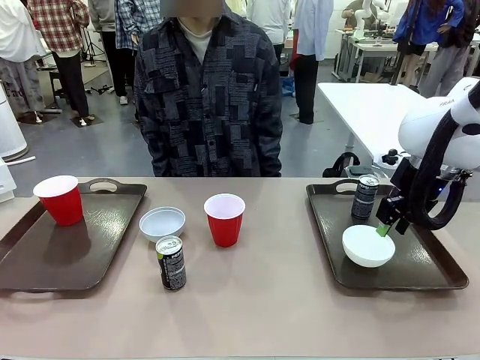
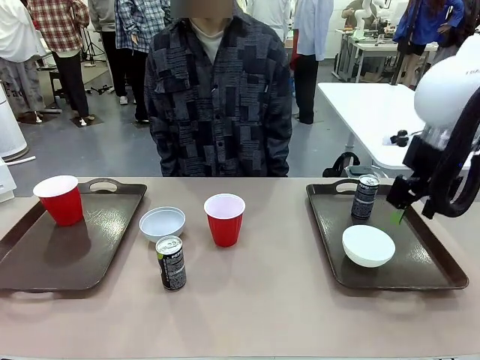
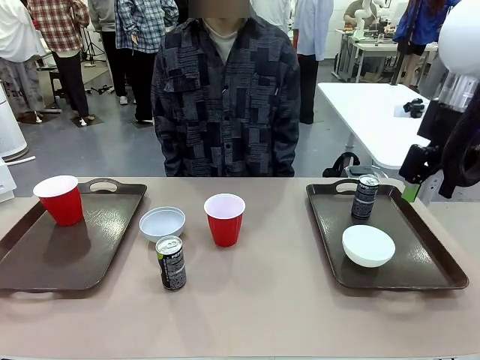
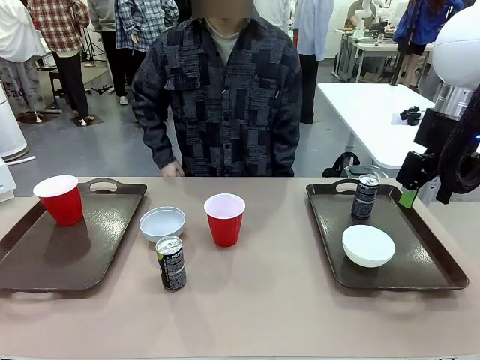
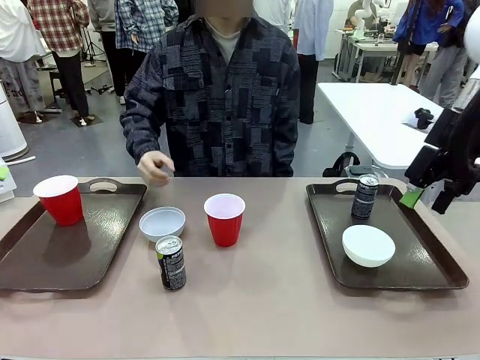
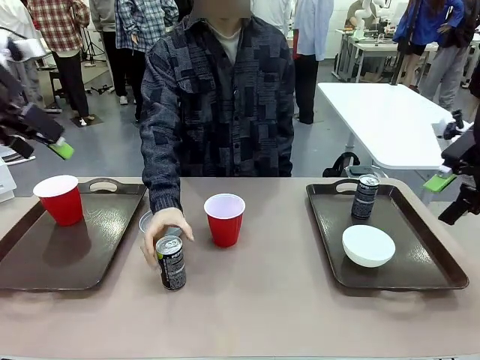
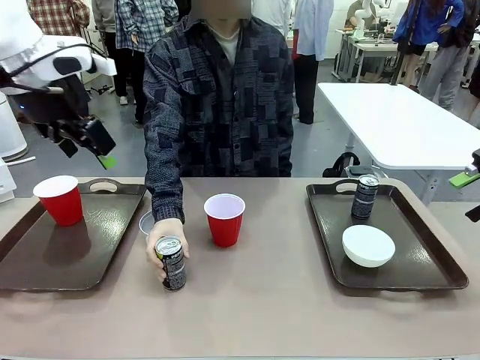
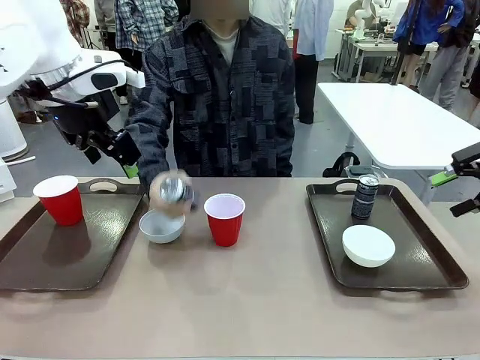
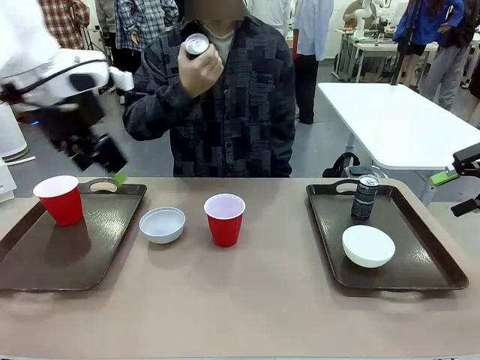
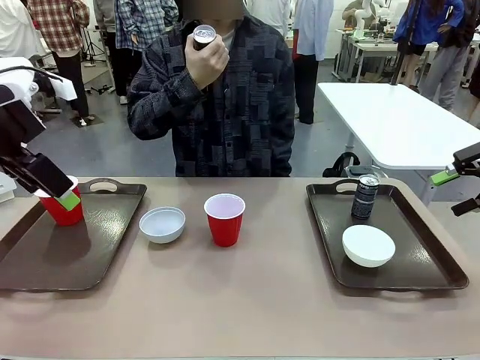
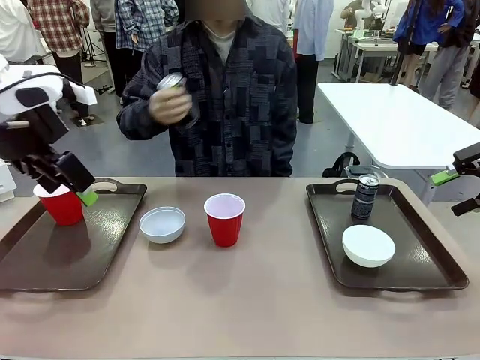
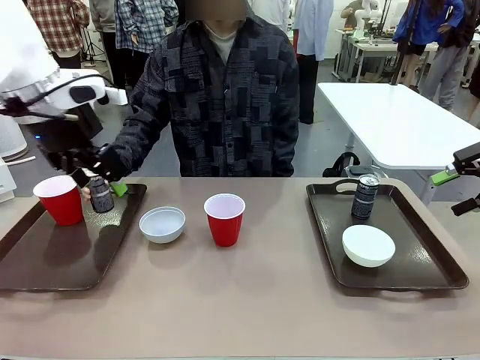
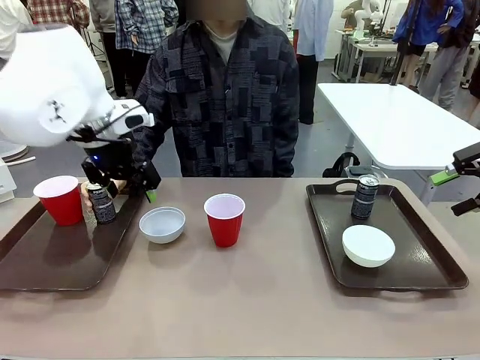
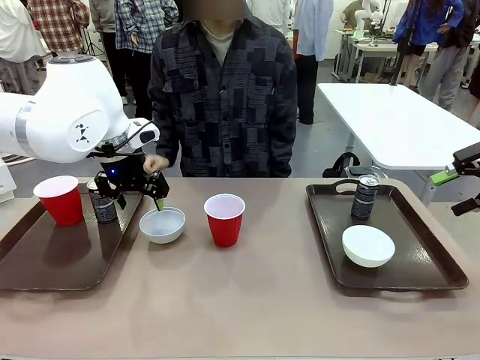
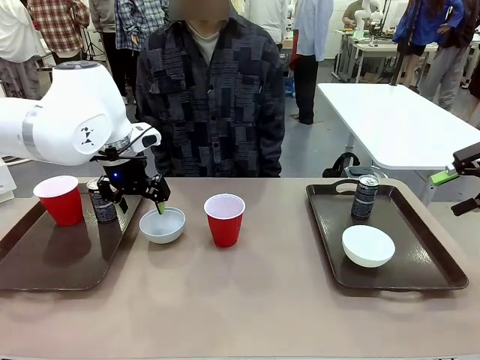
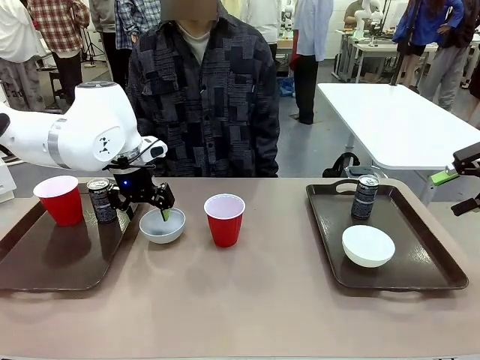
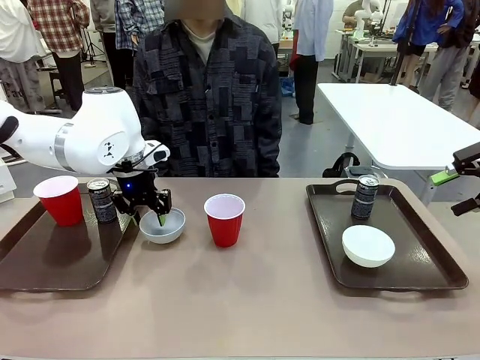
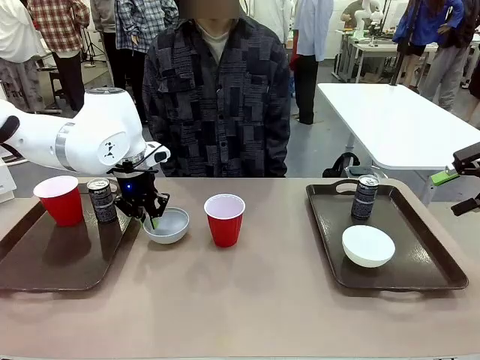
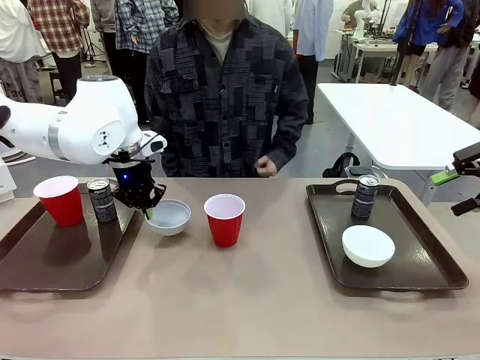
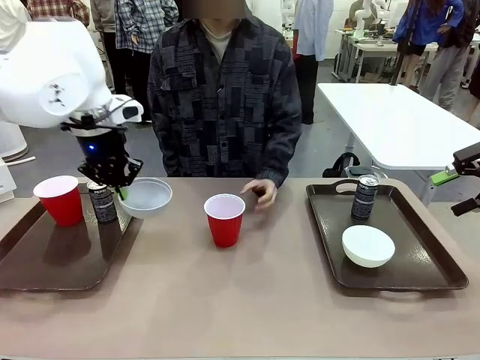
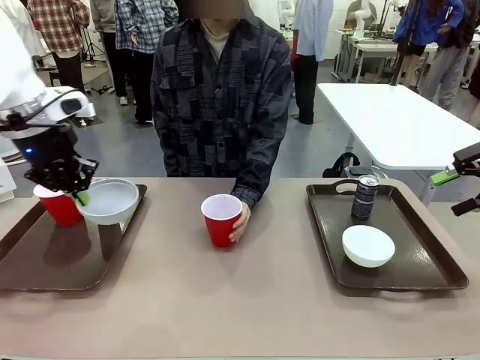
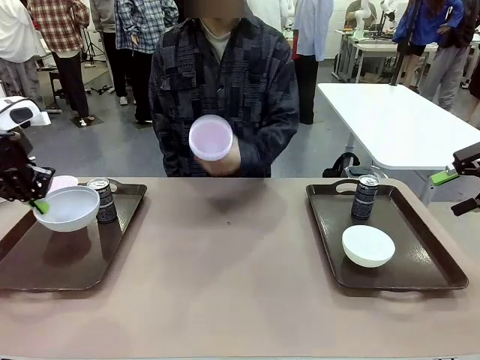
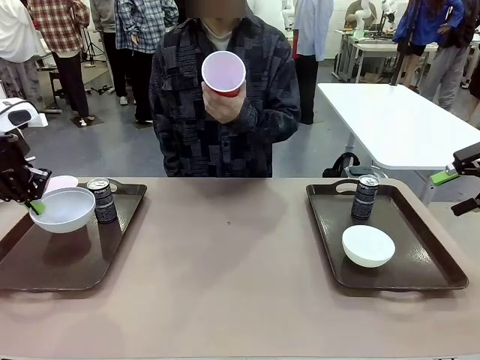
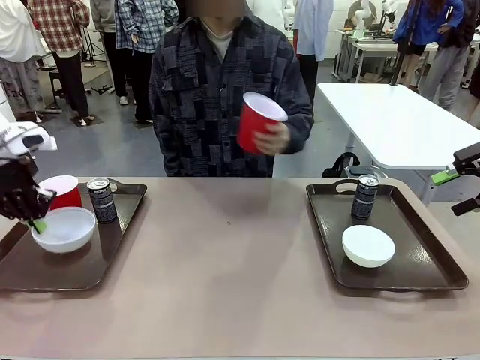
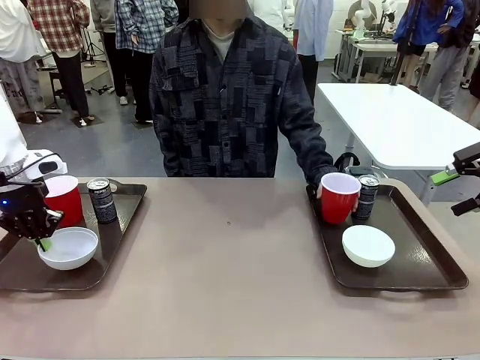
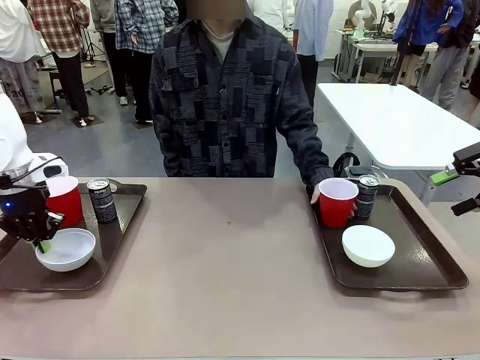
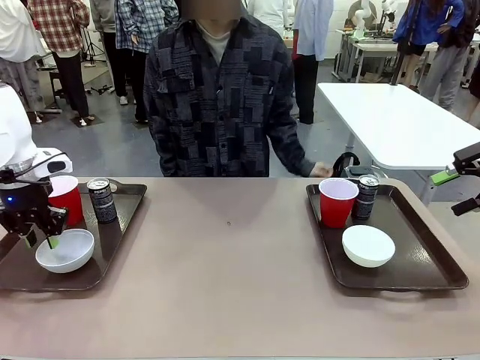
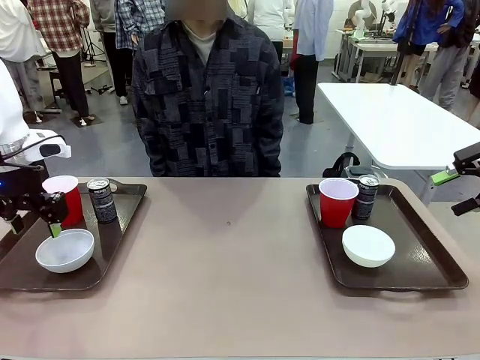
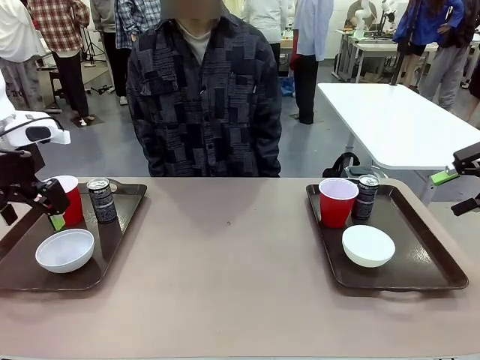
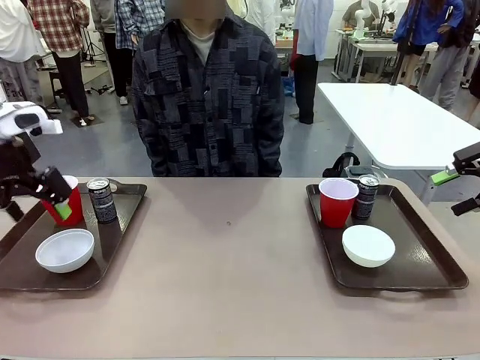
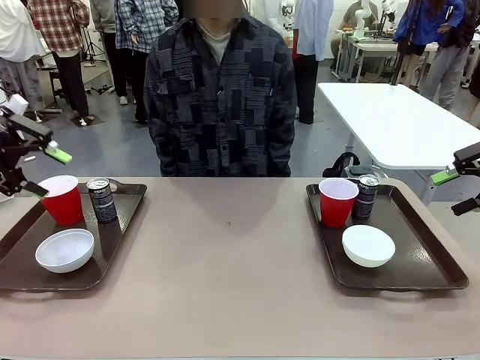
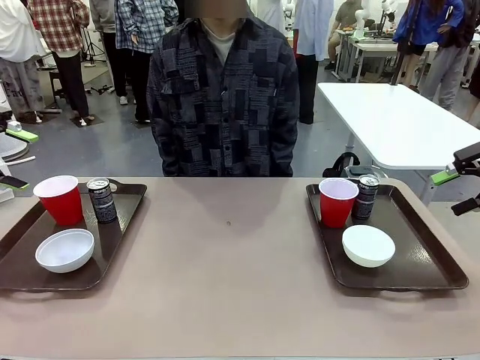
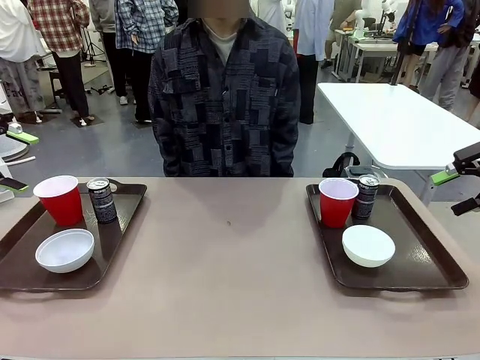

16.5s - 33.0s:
Task: Prepare tableware on both trays.
Robot: Pick up a Picnic Bowl from the table and place it on a Handle tray.
Person: Pick up a can or cup and place it on the tray without a can or cup.

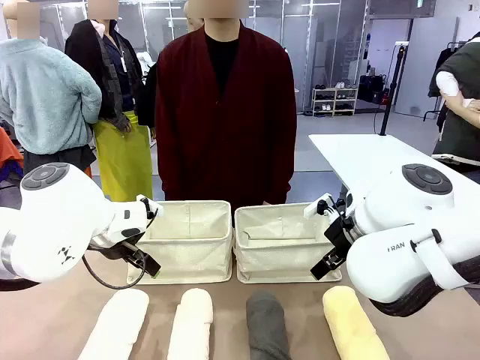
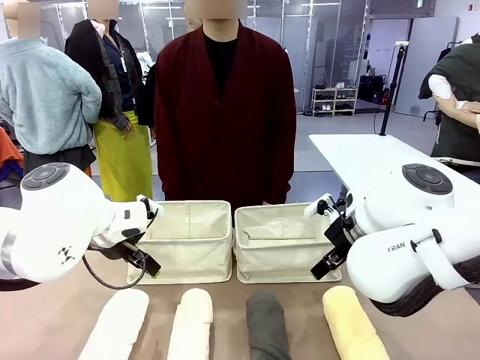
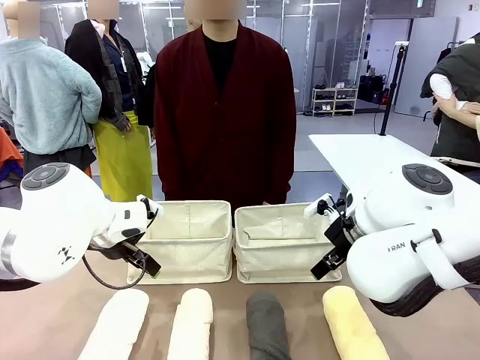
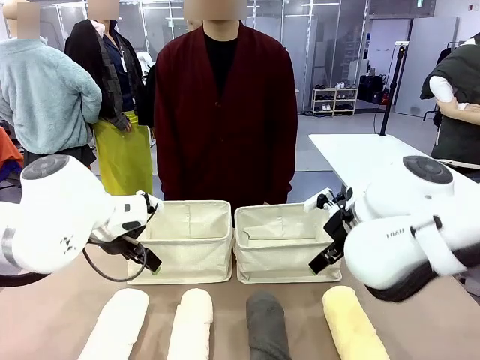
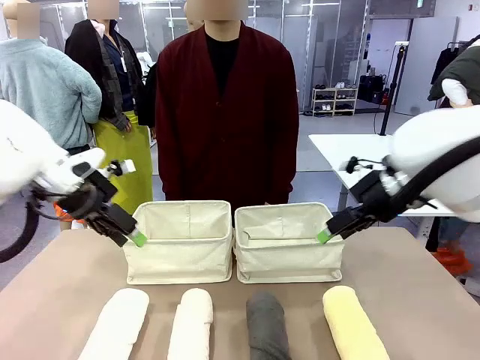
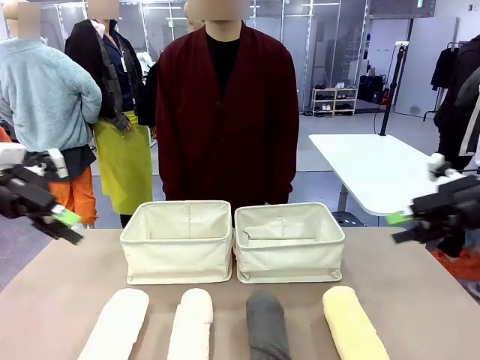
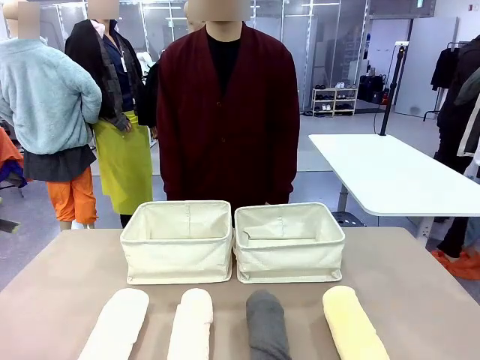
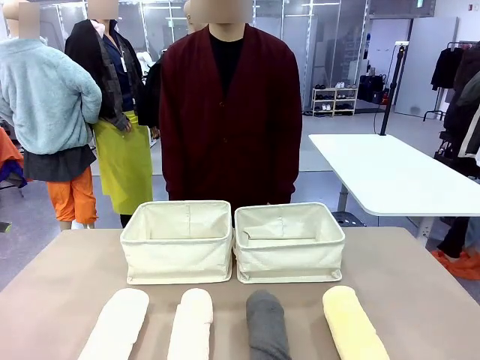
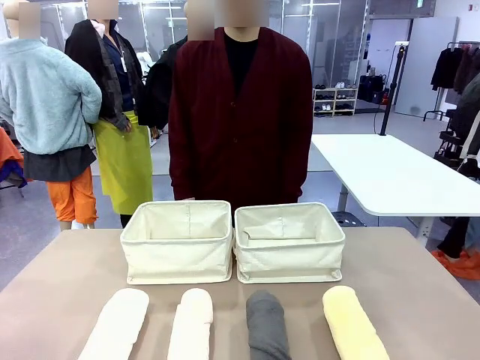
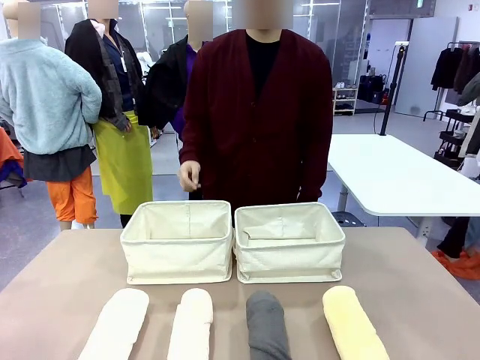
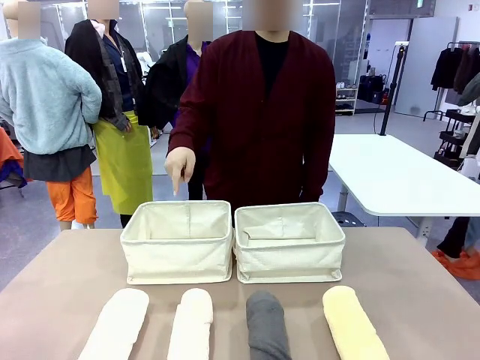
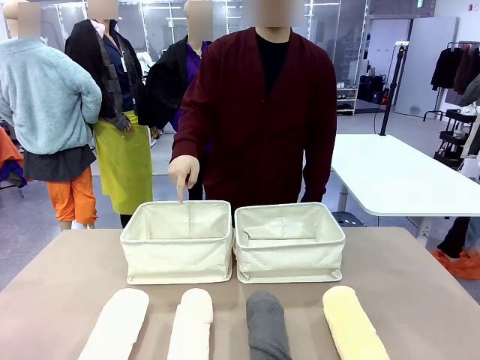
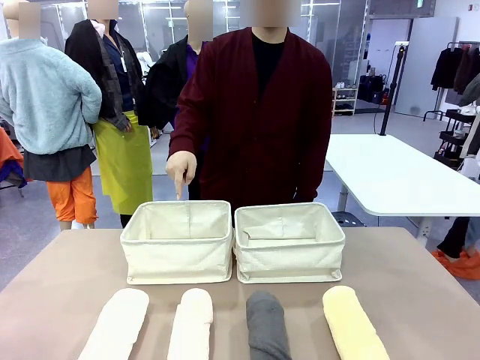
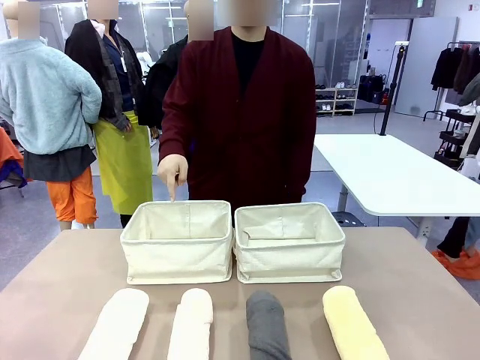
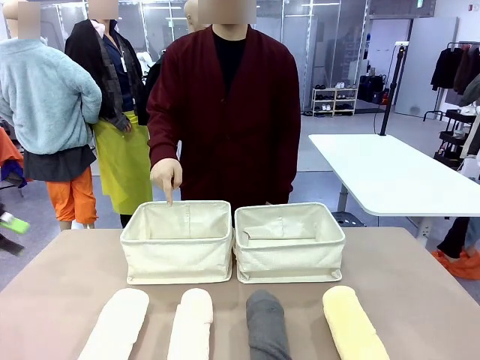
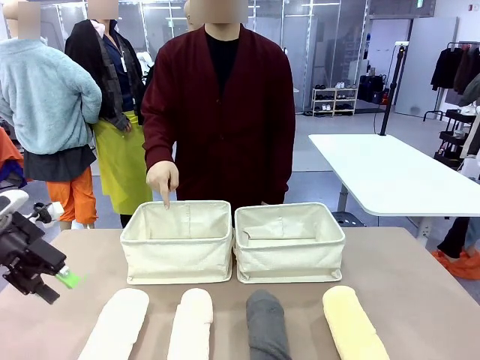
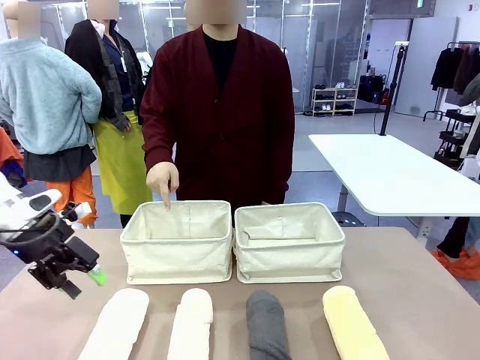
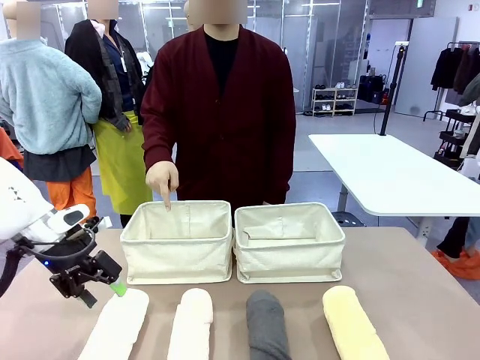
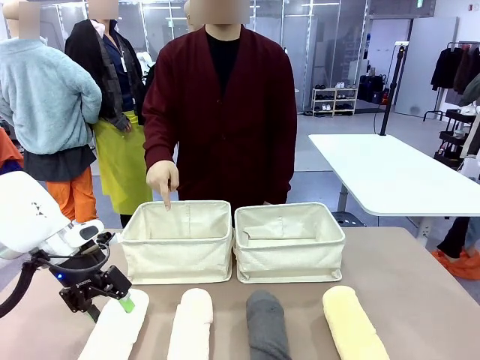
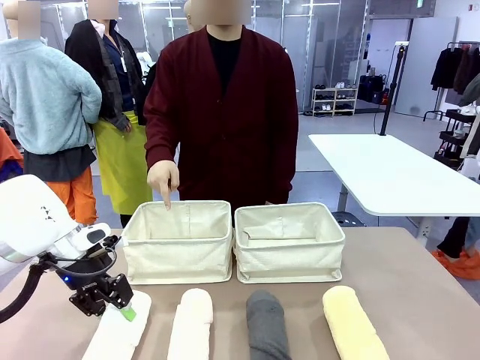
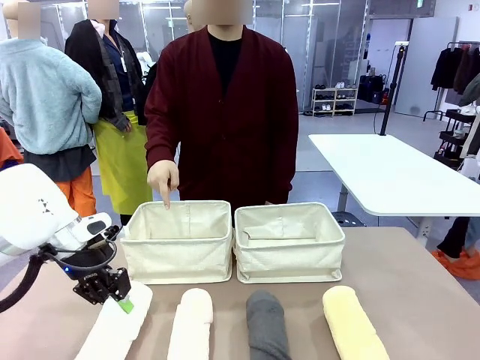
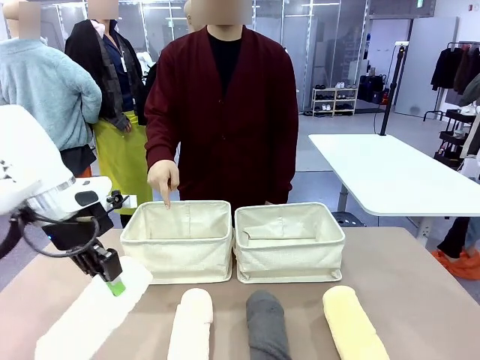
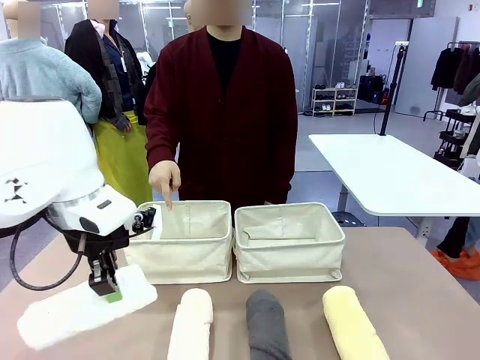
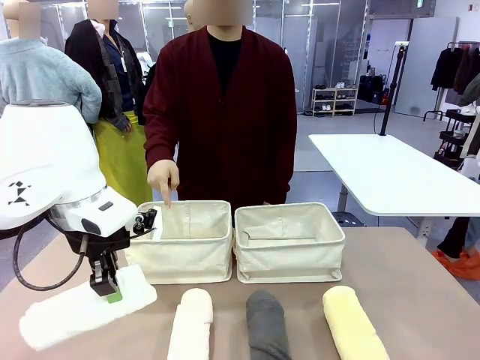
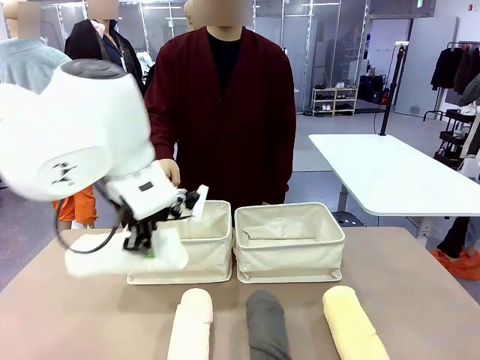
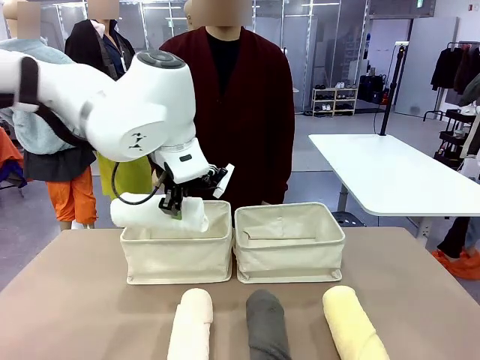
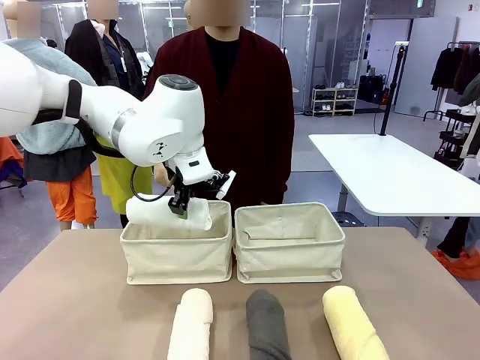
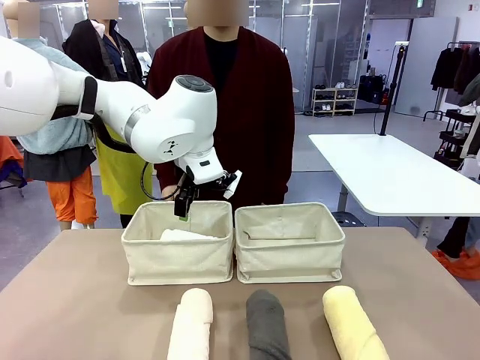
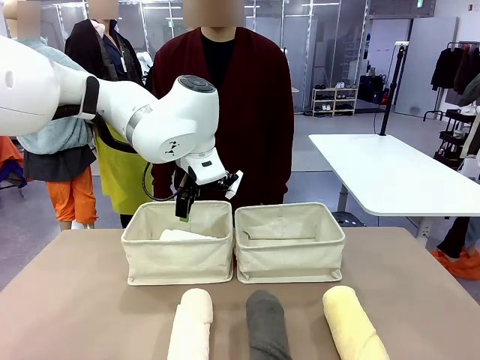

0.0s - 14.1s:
Task: Divide the towels into two baskets.
Robot: Pick up one hotel-folded towel and place it in the Fabric basket indicated by the person.
